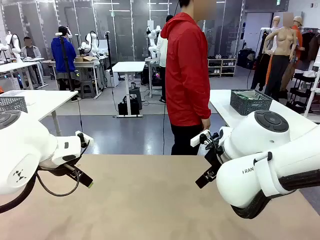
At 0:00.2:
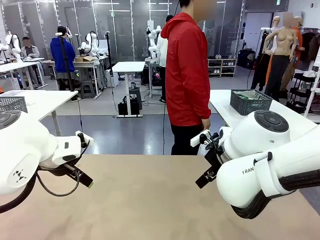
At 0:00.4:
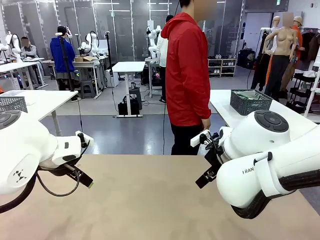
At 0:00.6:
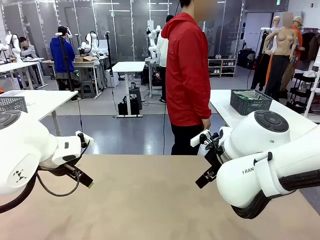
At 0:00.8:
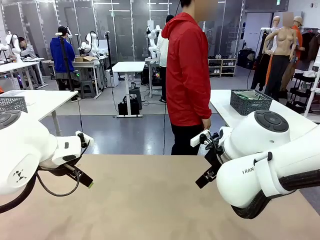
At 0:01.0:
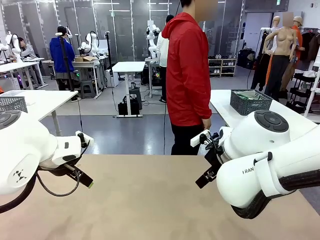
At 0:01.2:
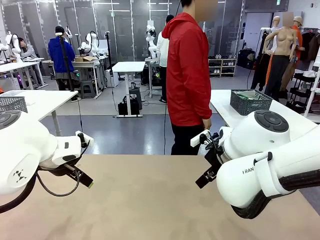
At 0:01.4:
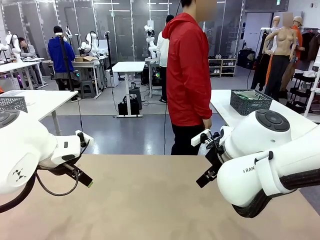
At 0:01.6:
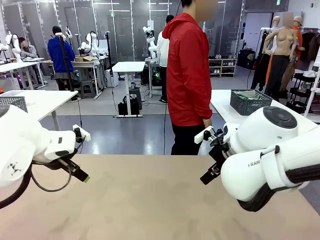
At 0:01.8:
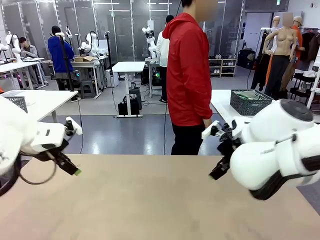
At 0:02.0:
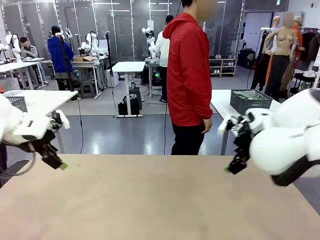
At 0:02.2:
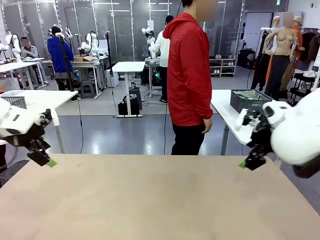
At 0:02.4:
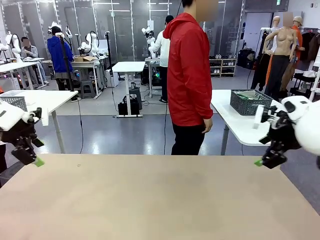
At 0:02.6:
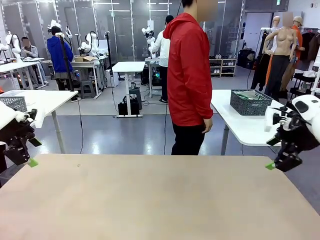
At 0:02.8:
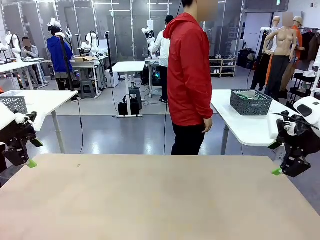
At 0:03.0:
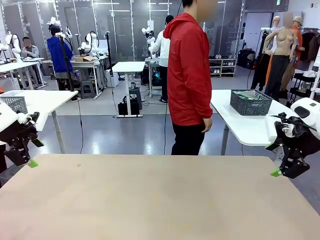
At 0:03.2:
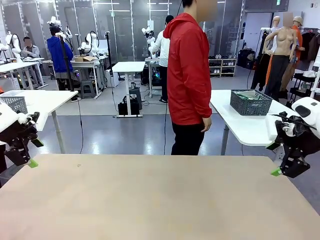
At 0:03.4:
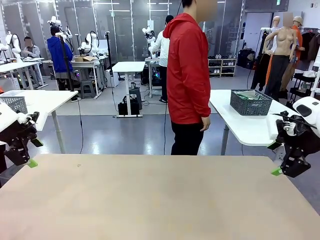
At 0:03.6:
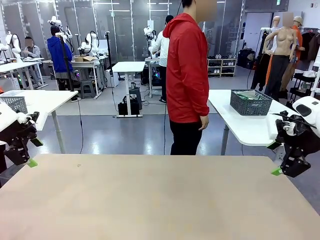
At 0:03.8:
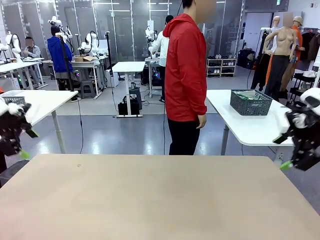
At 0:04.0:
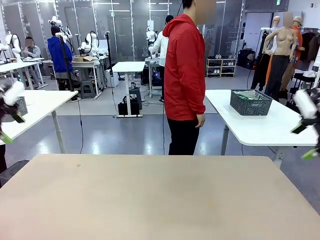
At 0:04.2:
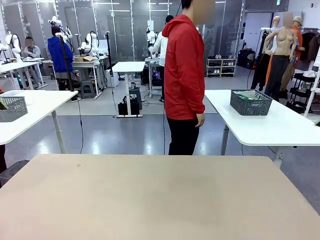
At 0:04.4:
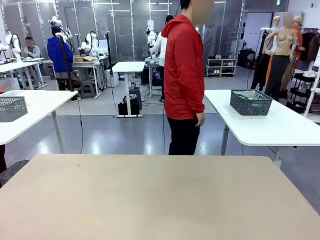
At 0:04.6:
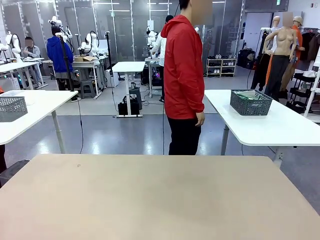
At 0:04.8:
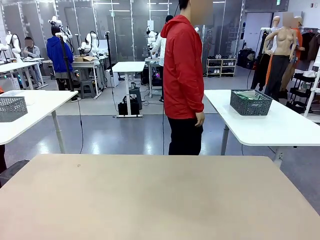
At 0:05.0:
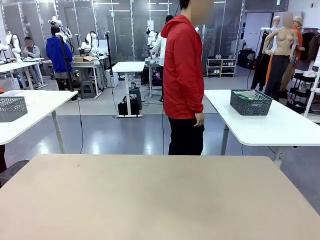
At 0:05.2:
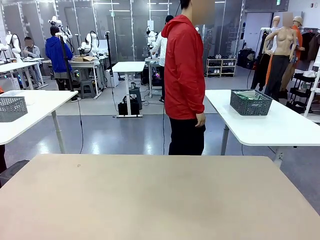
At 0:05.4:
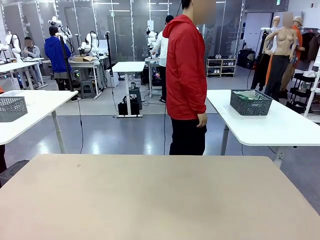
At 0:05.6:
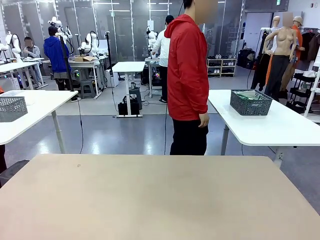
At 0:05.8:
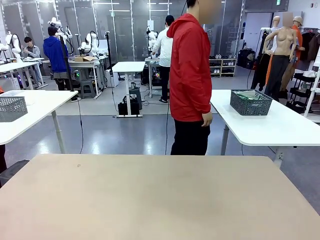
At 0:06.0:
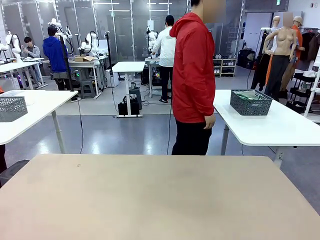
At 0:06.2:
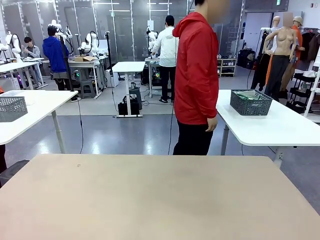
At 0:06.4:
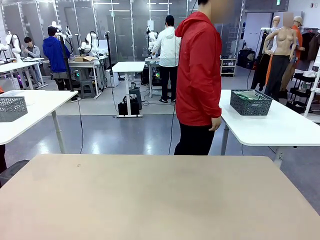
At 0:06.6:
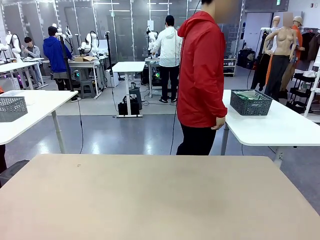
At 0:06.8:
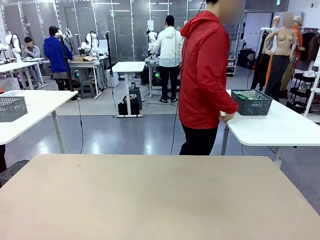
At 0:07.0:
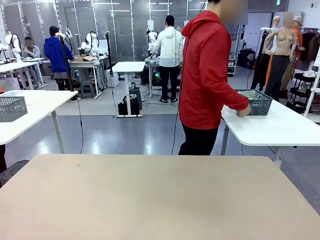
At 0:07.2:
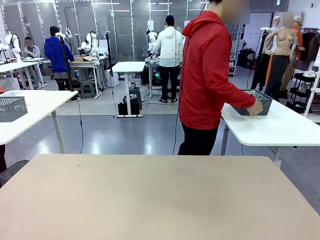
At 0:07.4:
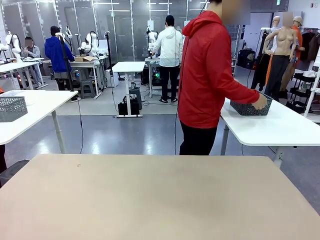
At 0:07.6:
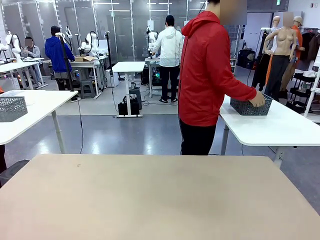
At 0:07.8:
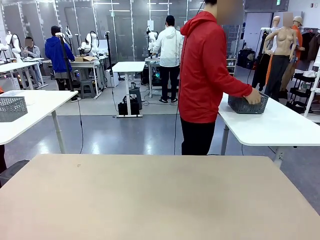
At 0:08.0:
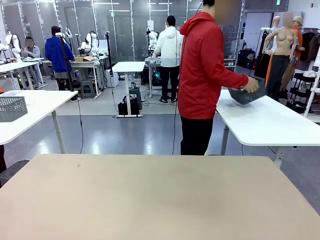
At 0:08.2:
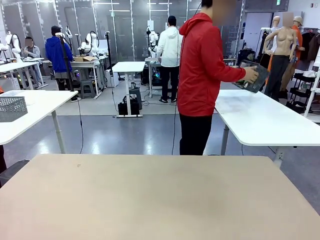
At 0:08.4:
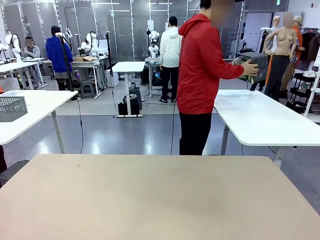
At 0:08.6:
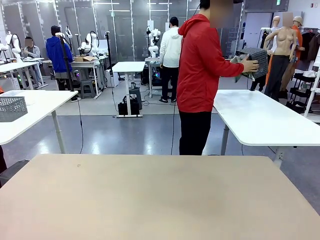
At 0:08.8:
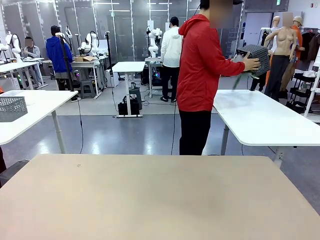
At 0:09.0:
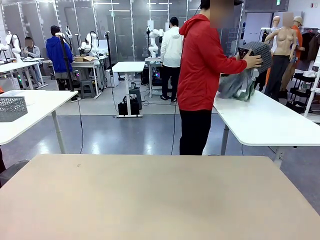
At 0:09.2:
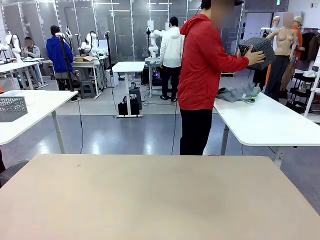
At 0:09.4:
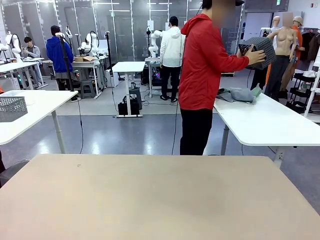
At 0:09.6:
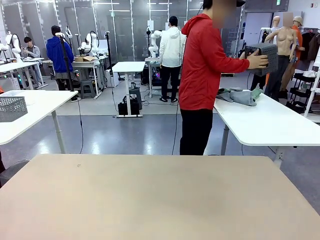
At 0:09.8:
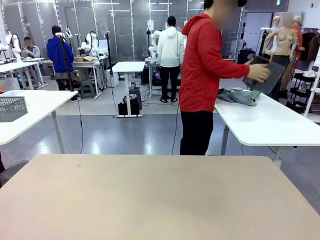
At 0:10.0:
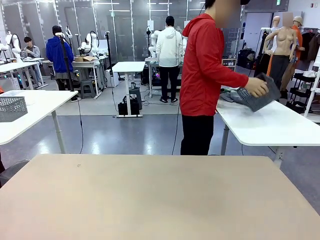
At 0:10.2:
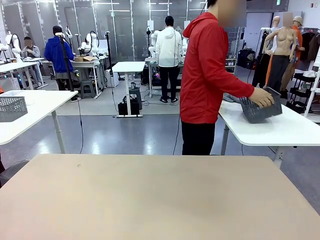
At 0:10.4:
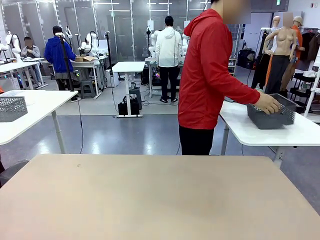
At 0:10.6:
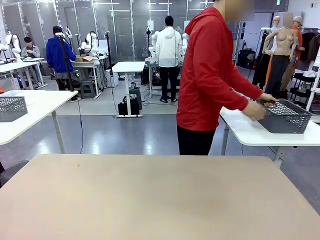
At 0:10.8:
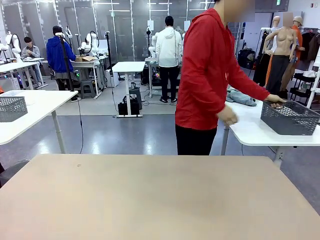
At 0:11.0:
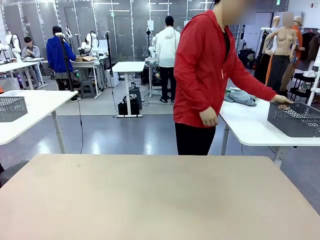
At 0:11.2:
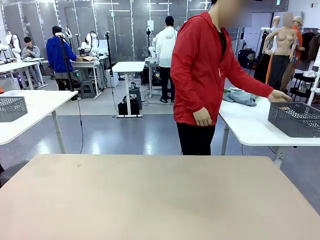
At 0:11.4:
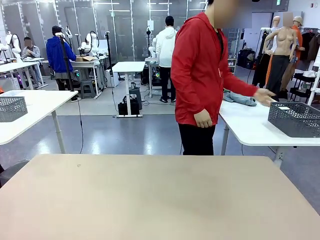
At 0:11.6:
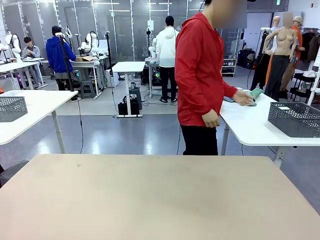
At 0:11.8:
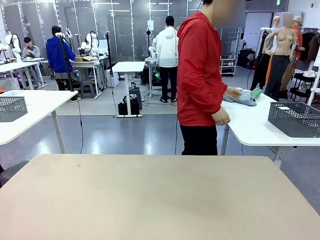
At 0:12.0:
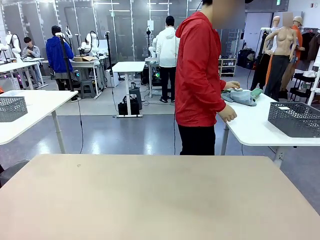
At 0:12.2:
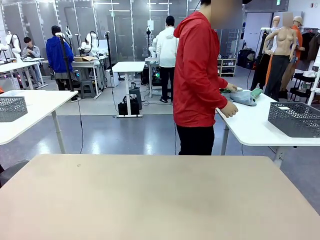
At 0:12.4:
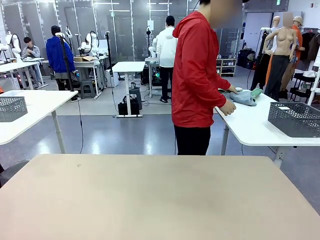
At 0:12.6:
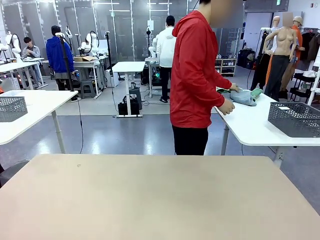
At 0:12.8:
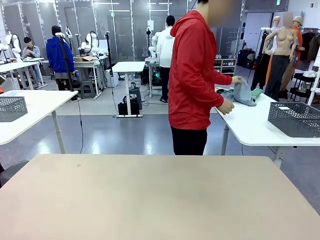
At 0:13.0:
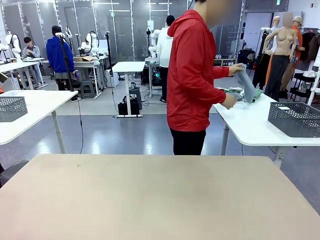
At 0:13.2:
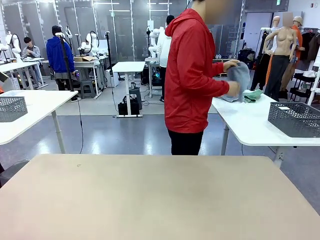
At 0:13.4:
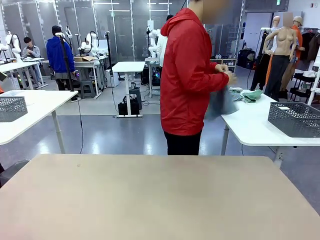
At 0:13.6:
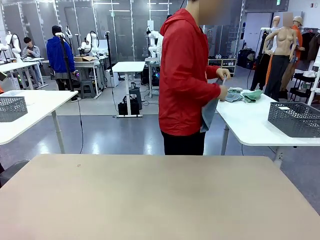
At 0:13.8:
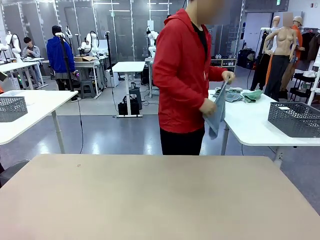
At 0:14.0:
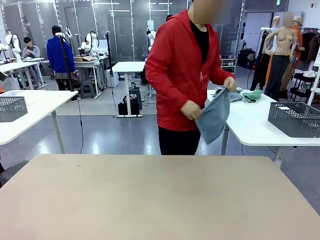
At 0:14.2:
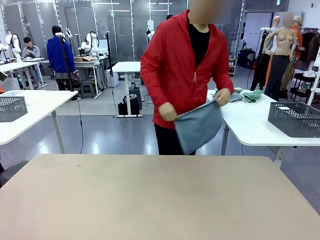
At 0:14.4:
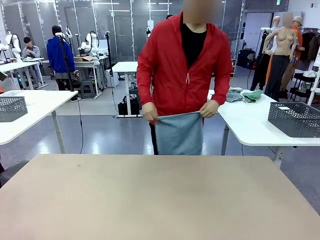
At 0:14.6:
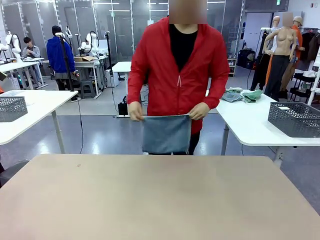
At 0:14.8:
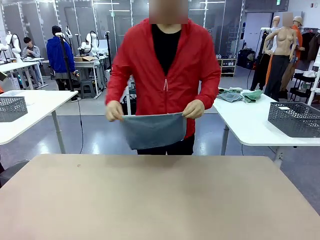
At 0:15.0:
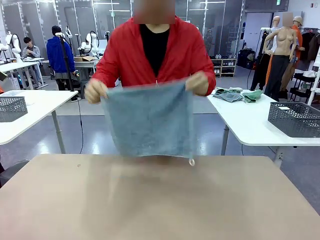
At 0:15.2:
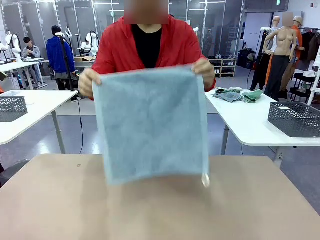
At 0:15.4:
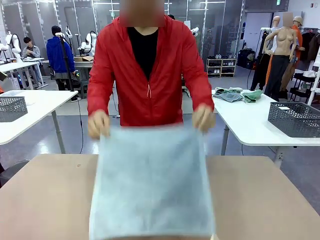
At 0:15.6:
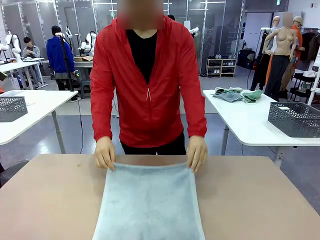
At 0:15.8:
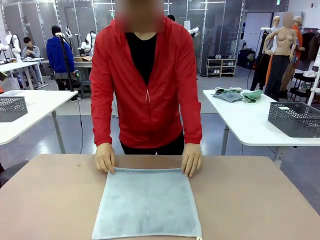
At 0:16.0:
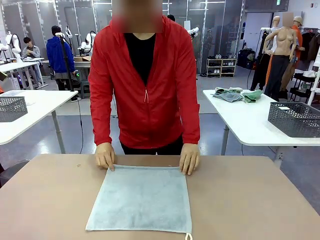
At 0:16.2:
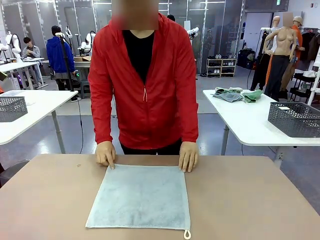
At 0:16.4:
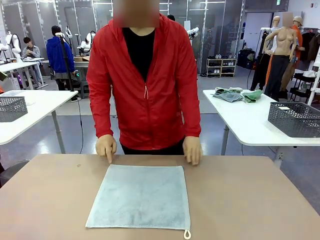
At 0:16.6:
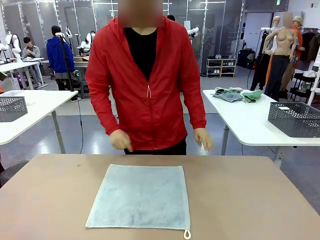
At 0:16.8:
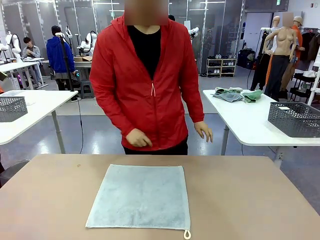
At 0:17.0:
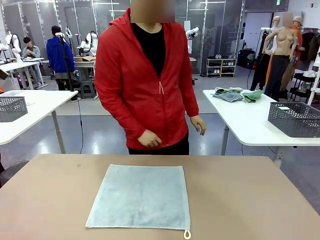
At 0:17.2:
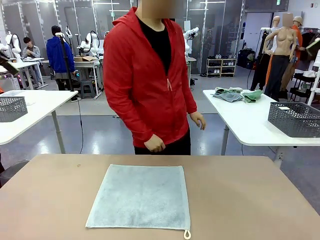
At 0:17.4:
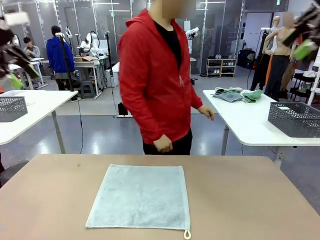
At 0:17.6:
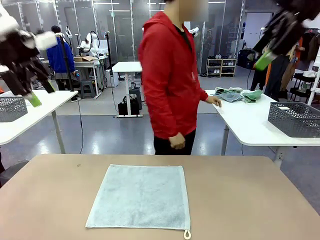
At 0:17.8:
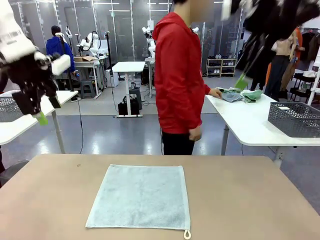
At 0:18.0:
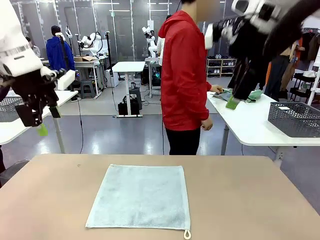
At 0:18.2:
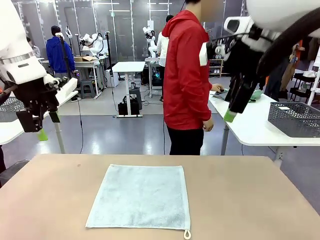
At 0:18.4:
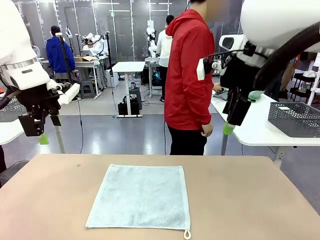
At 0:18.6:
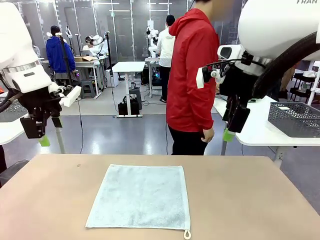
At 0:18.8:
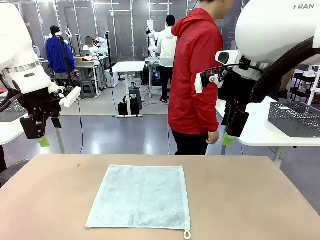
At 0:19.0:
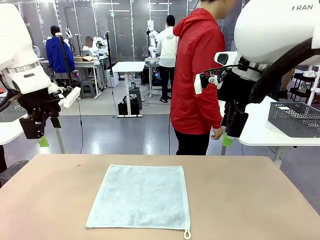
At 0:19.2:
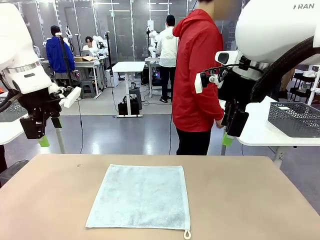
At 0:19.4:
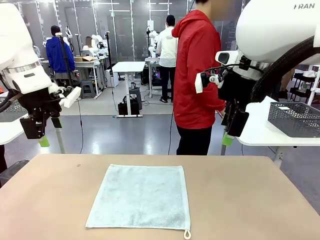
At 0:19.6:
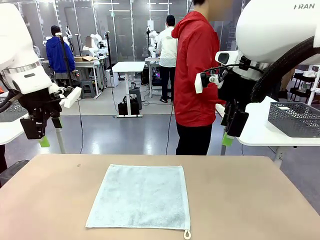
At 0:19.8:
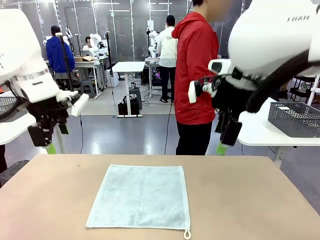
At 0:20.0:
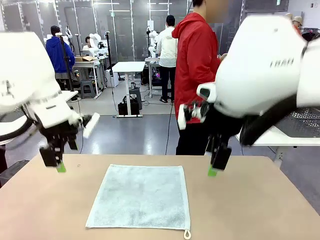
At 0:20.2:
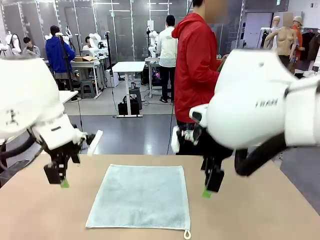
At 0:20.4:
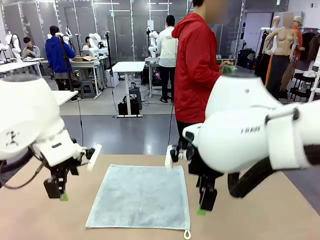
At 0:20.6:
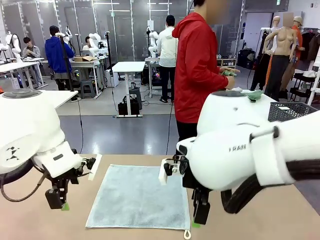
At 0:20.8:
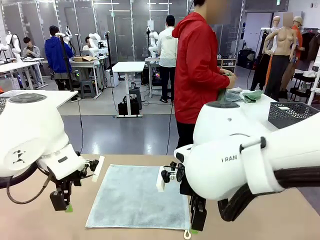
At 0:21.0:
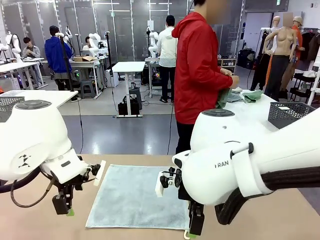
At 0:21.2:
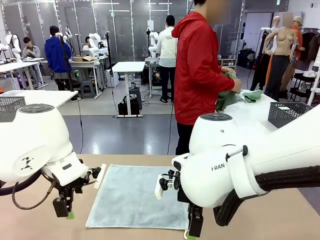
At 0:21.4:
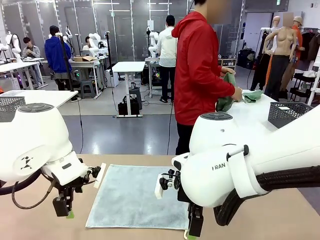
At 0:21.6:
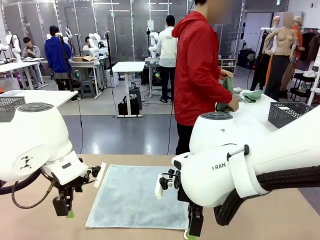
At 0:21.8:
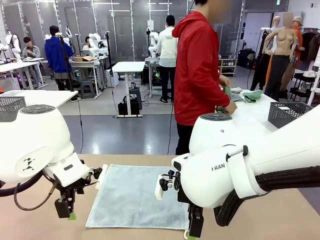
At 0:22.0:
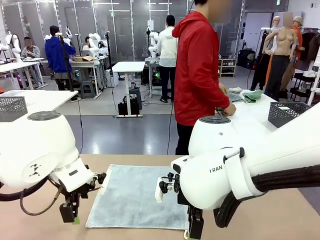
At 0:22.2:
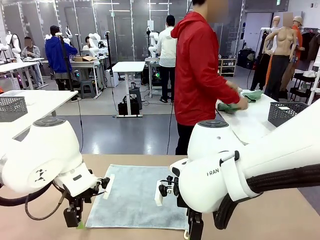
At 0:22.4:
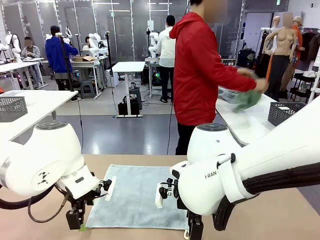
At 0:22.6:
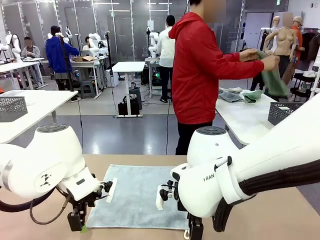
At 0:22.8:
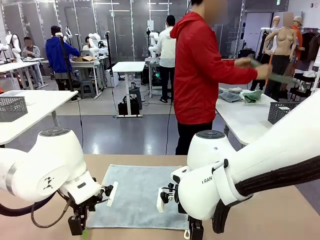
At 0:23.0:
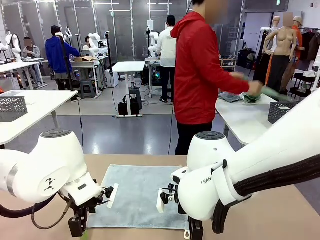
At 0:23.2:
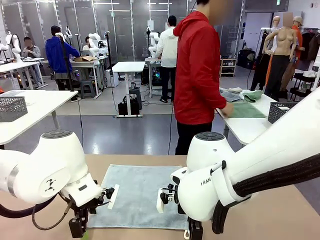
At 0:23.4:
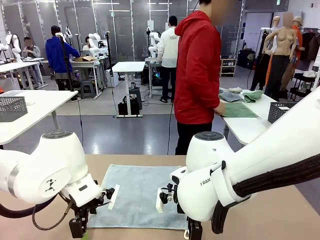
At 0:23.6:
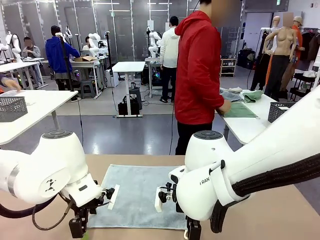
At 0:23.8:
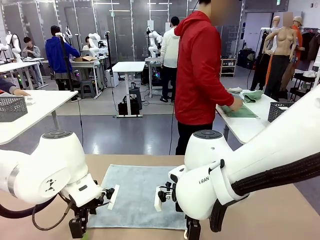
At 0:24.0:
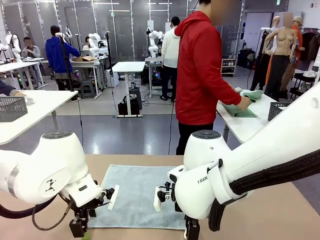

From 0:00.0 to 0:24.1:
Task: Fold the towels and place them in the basket.
Robot: When a person lays out a Towel with hook on the table, fold it in half twice.
Person: Pick up the basket, pour the towels onto the left side of the human table, and place the basket on the right side. Pick up one towel and spread it out at the center of the robot table.
